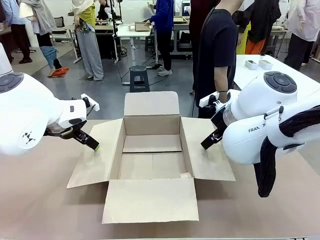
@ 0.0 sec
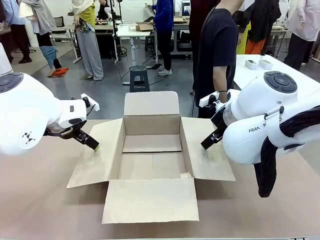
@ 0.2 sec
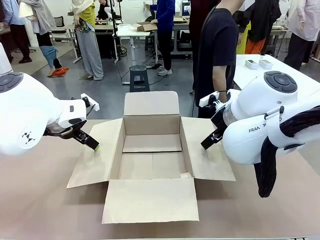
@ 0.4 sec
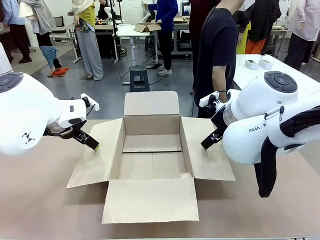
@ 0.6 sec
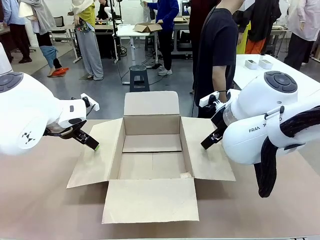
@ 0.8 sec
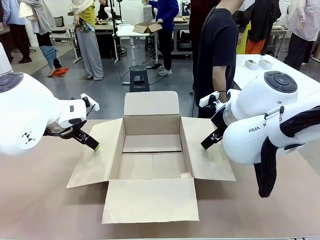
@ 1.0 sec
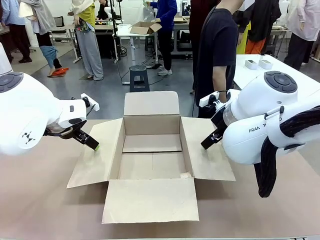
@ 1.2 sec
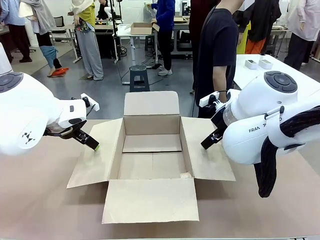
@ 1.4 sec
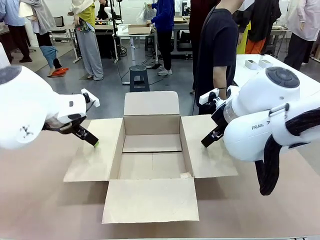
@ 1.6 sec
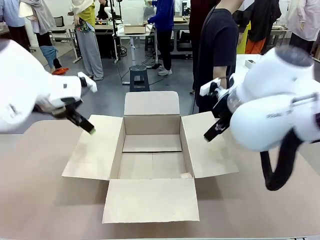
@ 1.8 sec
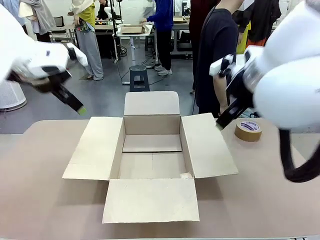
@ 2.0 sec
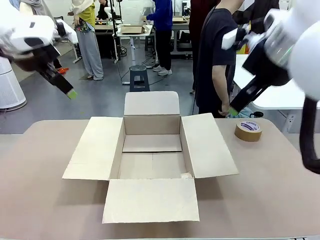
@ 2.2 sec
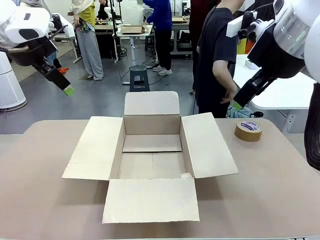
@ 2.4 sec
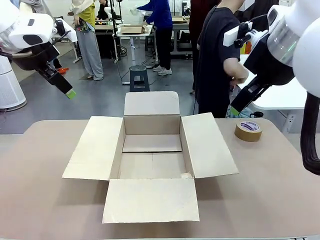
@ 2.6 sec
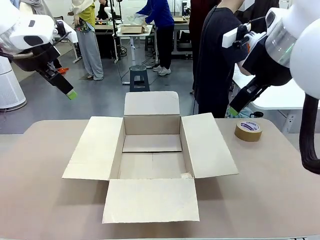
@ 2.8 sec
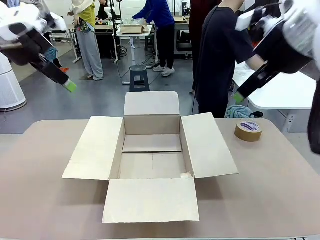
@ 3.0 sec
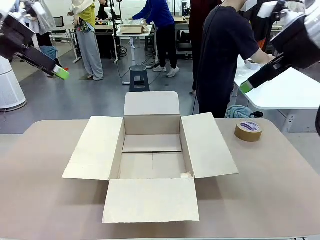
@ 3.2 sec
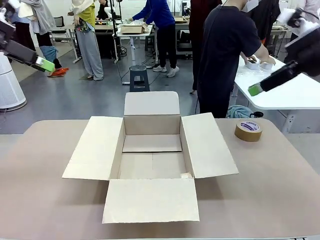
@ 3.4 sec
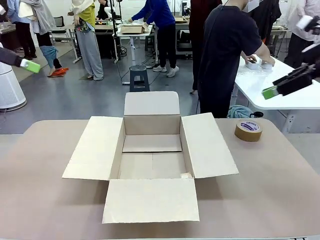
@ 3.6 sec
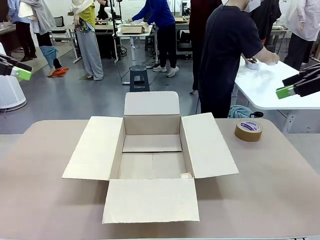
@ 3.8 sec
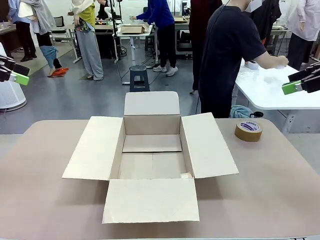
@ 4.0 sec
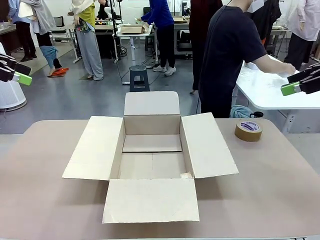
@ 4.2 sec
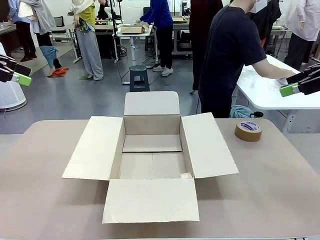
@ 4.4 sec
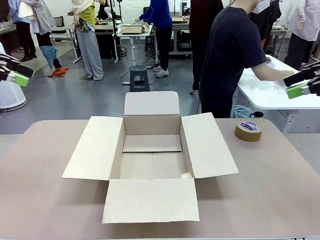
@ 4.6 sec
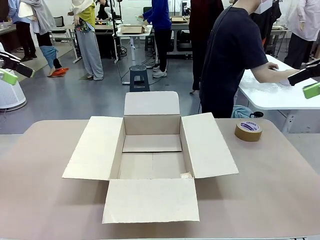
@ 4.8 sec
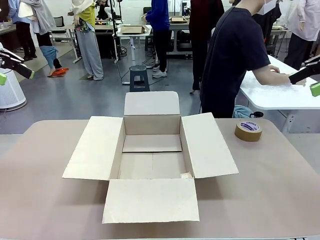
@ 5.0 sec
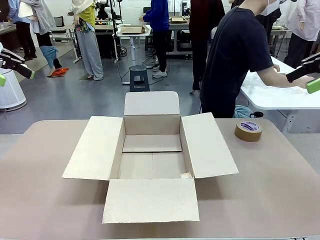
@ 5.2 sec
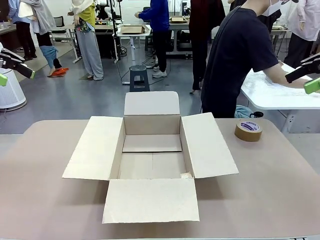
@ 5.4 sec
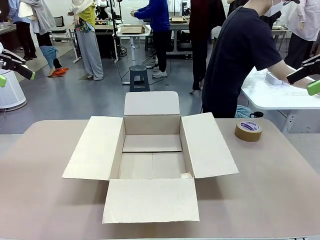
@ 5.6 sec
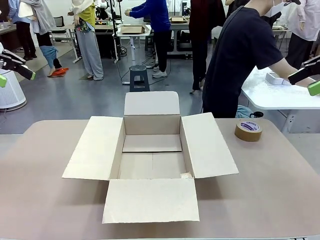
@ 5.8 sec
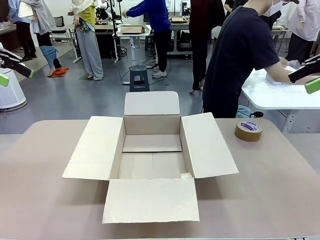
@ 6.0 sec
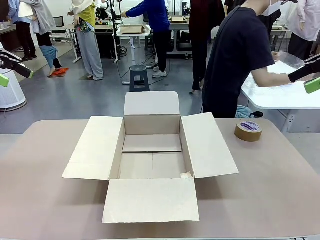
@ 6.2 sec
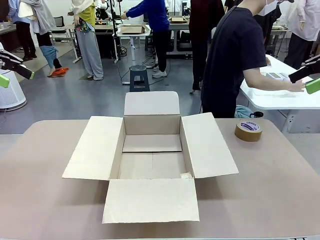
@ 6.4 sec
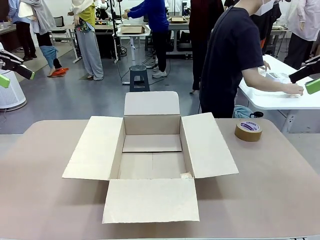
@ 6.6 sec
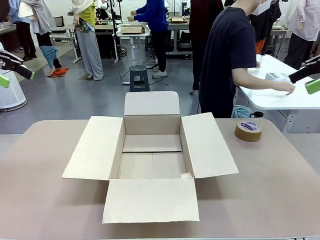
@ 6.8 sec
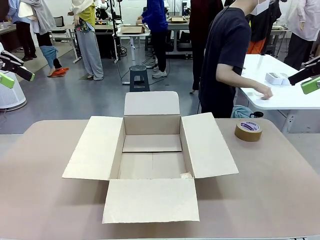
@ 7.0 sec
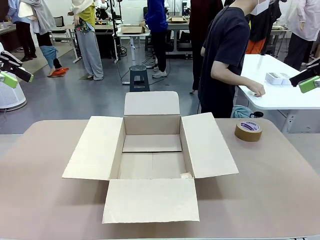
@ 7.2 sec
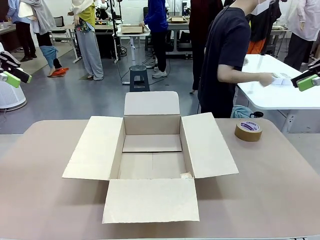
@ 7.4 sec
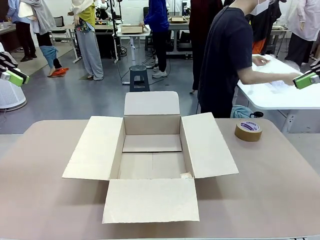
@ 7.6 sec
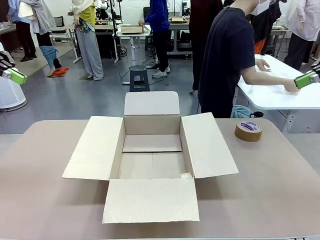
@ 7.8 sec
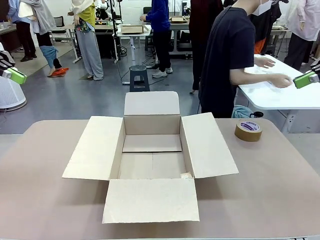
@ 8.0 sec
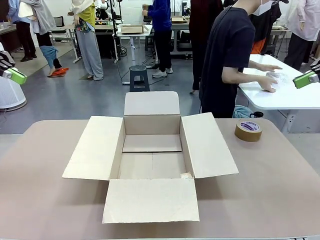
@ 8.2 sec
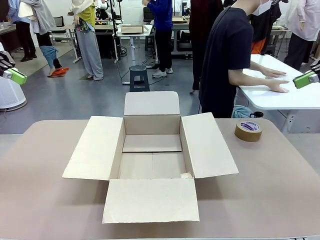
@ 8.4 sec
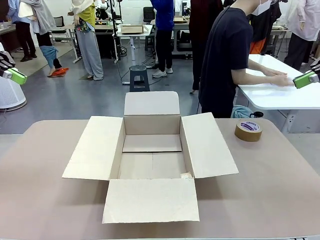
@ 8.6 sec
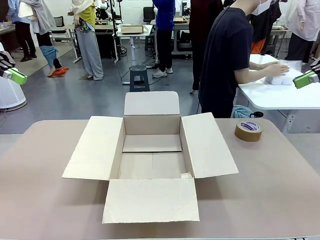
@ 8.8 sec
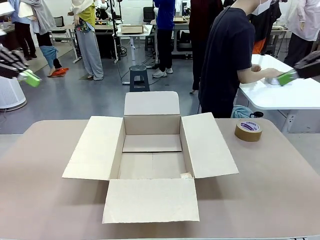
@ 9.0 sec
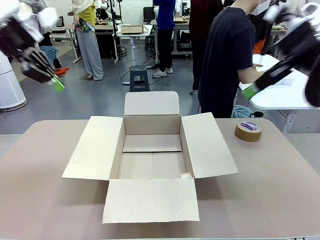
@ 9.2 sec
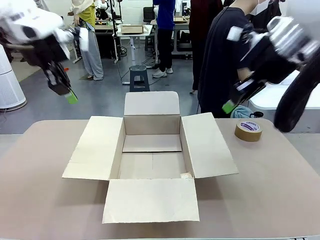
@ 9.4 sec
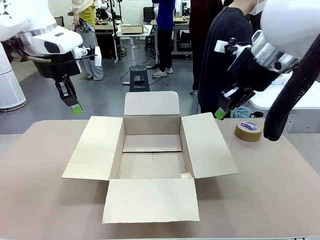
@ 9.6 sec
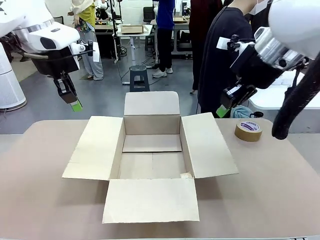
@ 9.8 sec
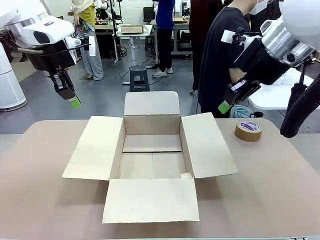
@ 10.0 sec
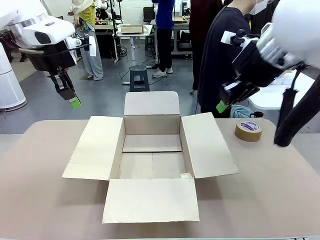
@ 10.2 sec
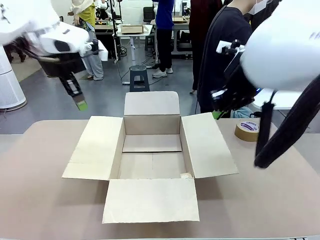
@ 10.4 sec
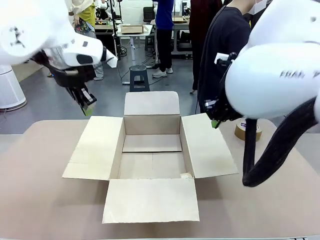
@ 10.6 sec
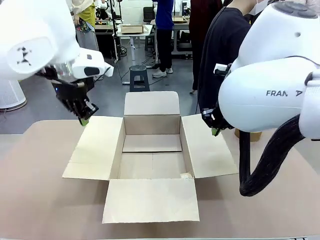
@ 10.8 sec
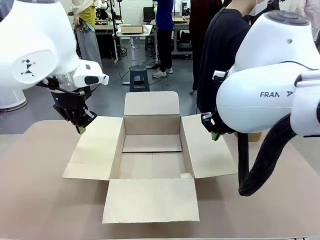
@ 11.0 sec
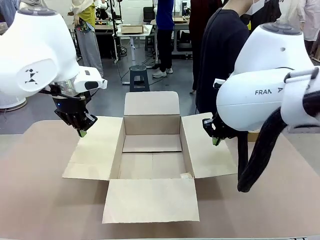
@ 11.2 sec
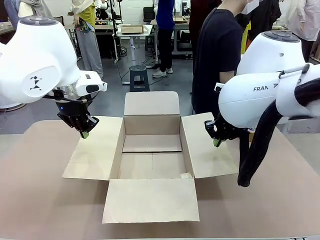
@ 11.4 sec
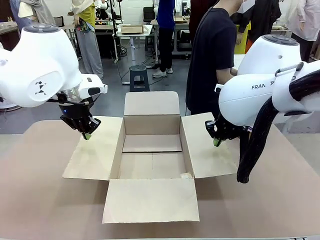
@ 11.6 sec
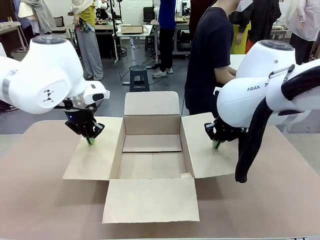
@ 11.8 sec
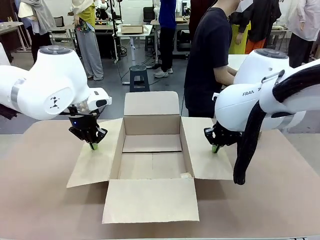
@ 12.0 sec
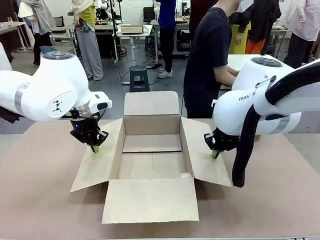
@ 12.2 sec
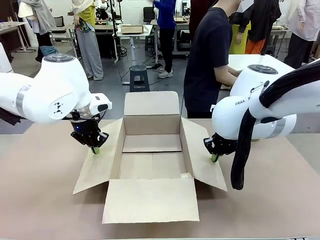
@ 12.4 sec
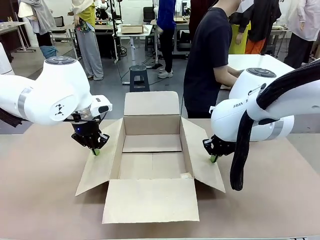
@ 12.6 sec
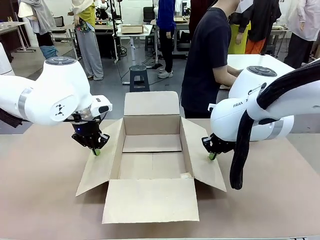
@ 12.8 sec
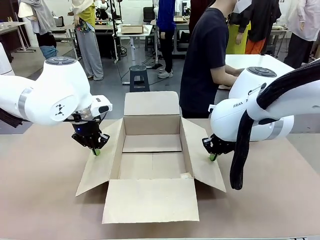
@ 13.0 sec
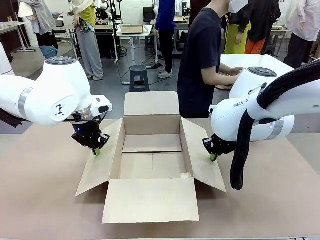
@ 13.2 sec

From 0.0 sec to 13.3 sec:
Task: Wrap the clocks to prevent damage.
Robot: Open the side flaps of the Package Box.
Person: Wrap the two Digital clocks with Bubble Wrap.

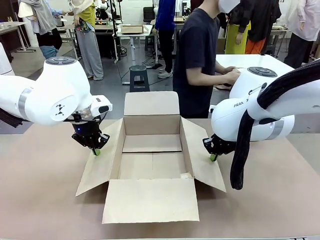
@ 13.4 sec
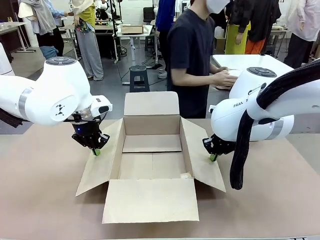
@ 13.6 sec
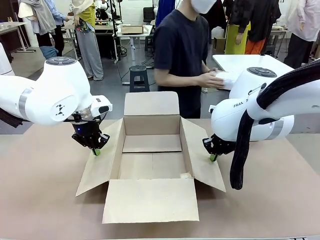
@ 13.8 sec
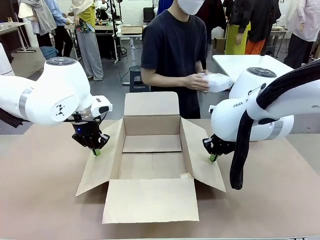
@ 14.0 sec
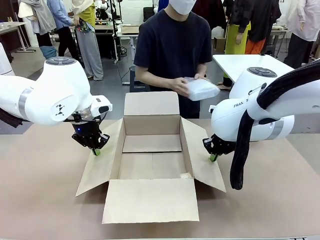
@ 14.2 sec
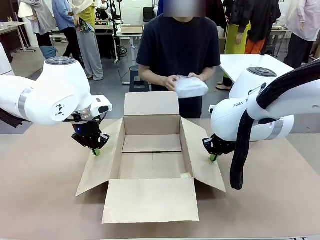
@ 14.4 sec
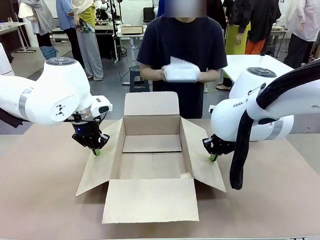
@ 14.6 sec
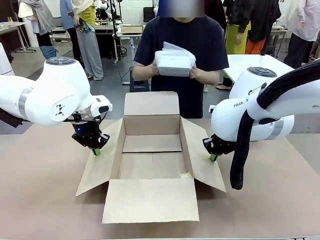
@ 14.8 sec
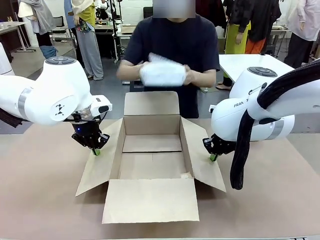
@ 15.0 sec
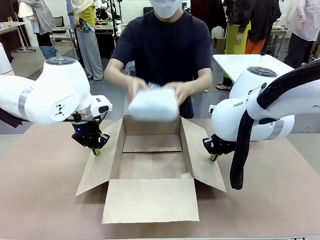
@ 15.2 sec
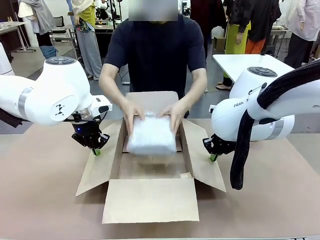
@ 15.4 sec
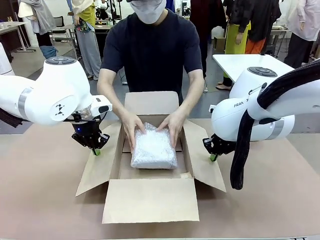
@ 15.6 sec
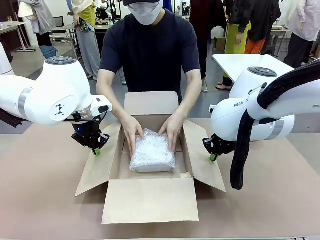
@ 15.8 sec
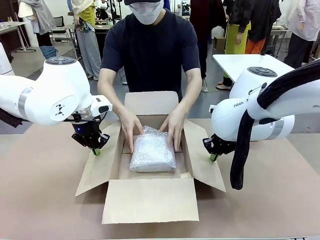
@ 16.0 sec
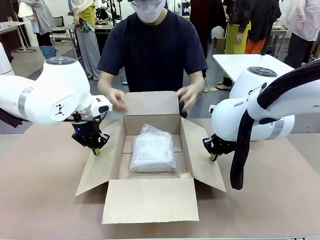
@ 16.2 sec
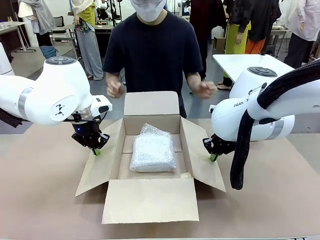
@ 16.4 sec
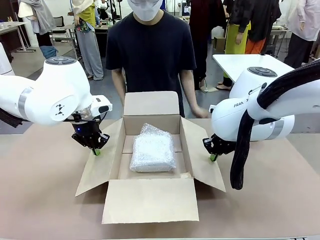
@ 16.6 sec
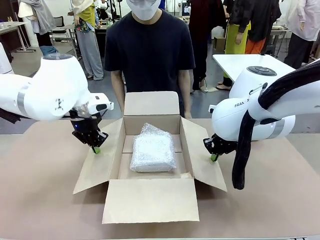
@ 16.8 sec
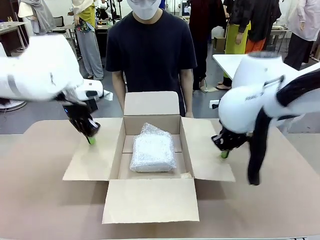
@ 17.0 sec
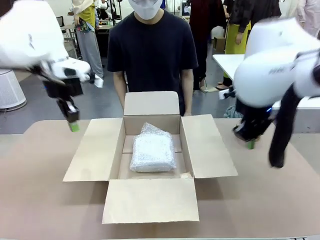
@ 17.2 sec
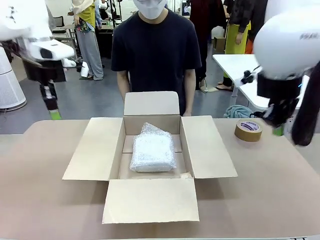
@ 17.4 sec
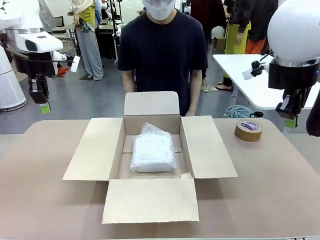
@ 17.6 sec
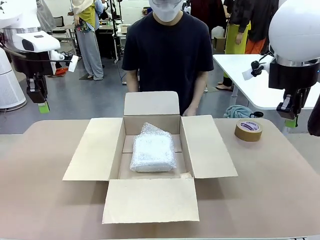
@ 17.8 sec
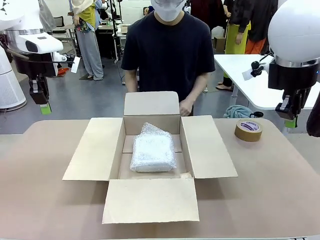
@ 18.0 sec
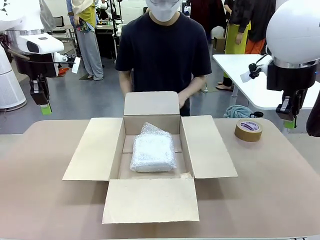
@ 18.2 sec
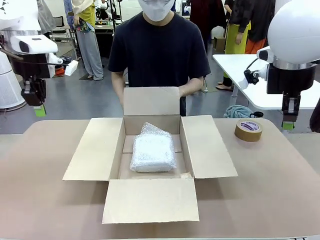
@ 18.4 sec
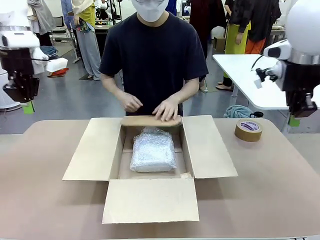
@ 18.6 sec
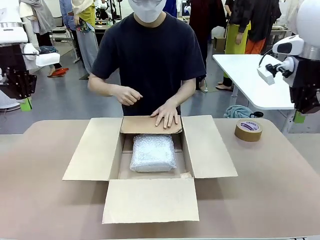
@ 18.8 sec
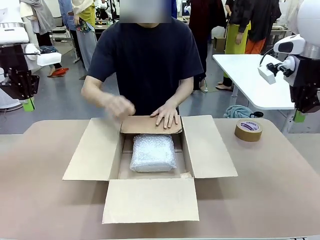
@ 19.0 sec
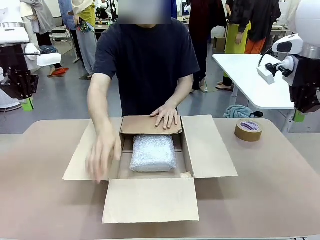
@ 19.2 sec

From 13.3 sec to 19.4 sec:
Robot: Once the human has placed the objects inside and stepped back, release both hands from the side flaps of the Package Box.
Person: Place the wrapped Digital clocks inside the Package Box. Hold the top and bottom flaps of the Package Box closed with your left (or right) hand.

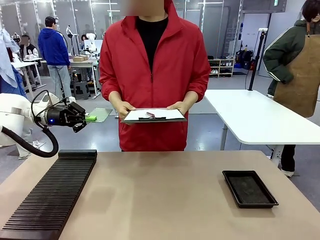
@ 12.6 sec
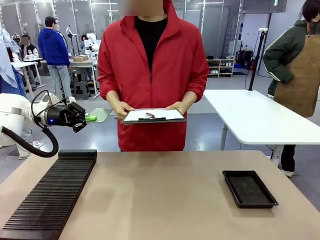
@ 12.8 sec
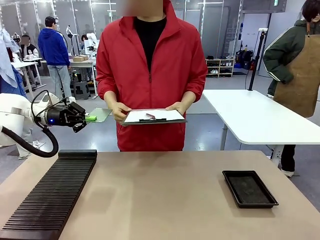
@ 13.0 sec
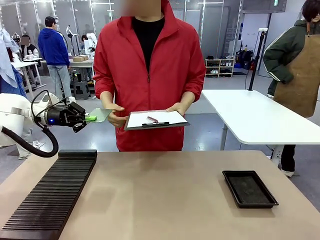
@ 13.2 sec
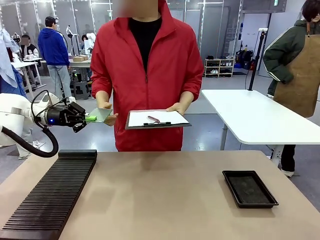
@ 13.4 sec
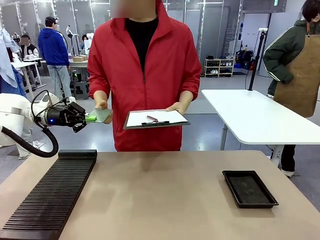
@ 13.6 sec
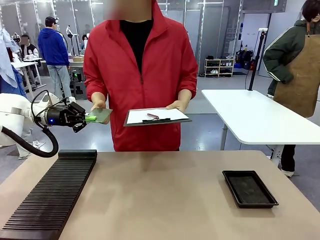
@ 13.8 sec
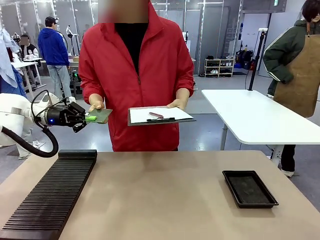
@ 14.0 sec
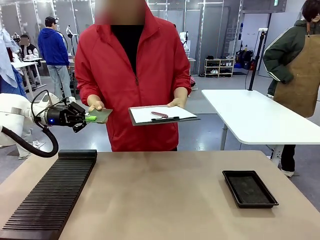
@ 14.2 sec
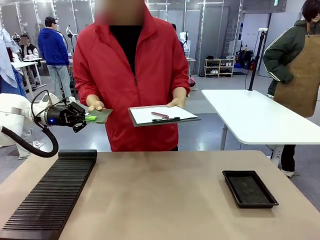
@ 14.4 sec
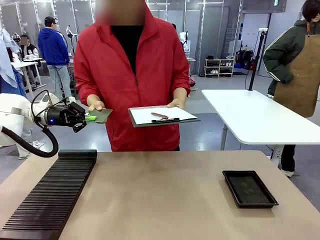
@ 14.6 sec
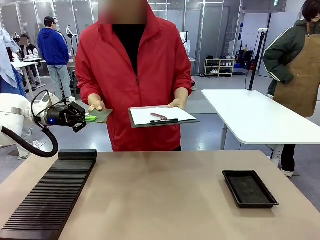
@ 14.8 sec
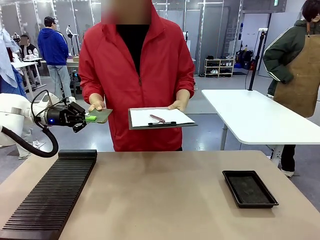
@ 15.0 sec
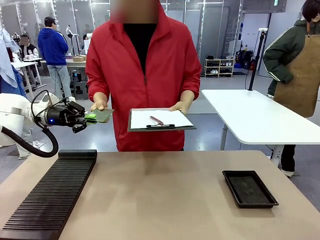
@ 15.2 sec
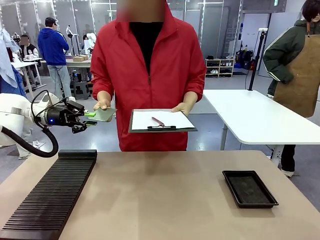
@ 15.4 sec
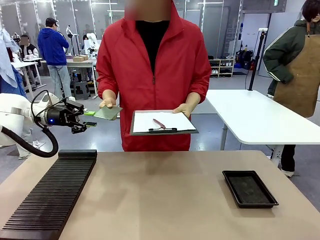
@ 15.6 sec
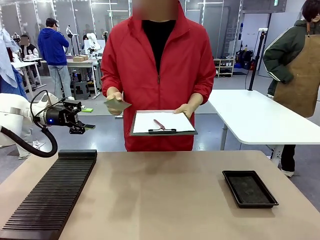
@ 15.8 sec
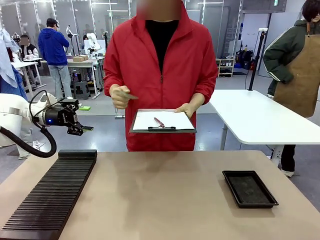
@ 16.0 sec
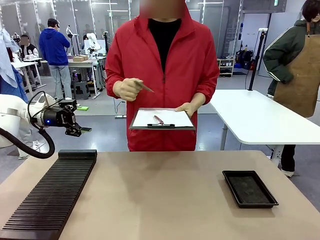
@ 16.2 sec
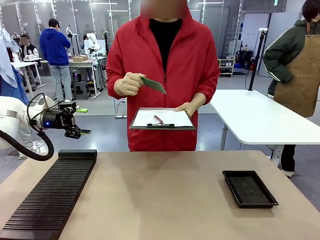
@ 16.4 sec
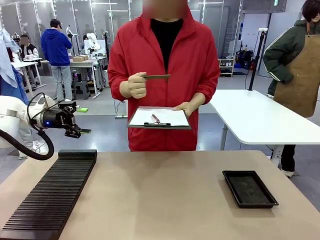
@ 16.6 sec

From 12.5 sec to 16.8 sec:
Task: Inspect the PCB.
Robot: Release the Blank PCB you were holding.
